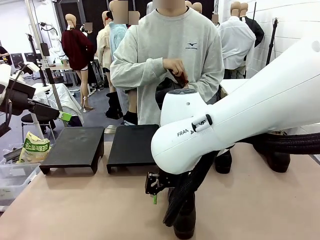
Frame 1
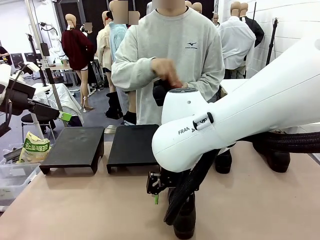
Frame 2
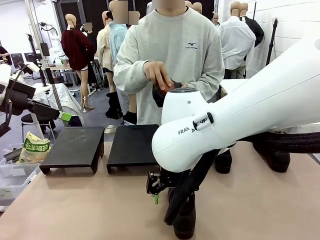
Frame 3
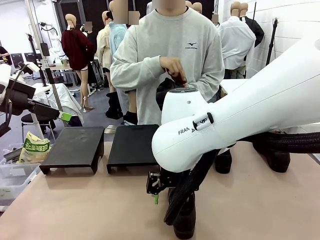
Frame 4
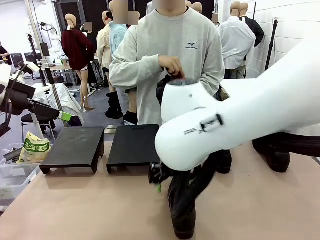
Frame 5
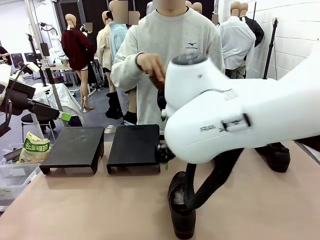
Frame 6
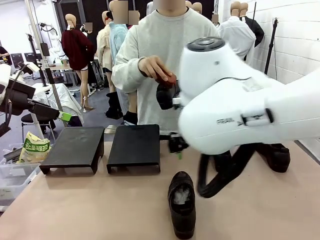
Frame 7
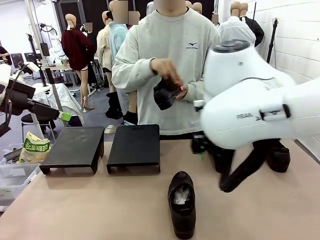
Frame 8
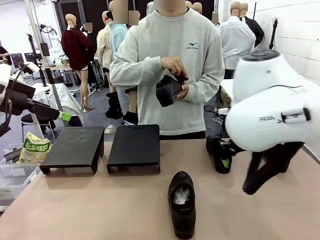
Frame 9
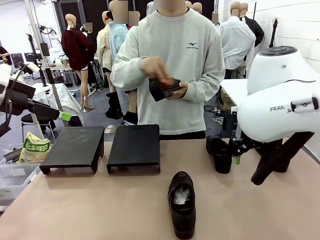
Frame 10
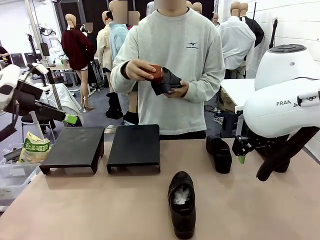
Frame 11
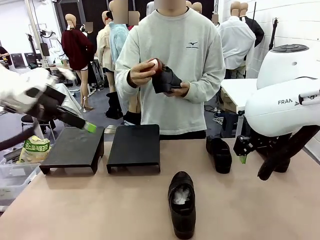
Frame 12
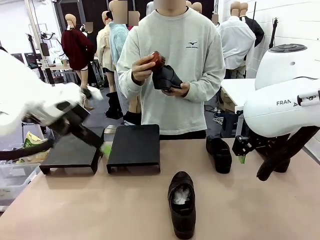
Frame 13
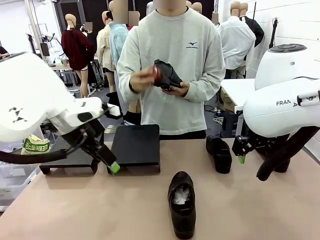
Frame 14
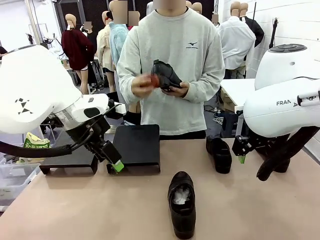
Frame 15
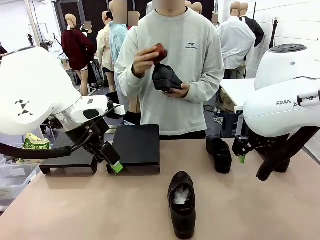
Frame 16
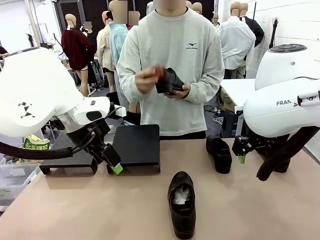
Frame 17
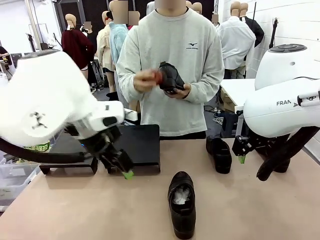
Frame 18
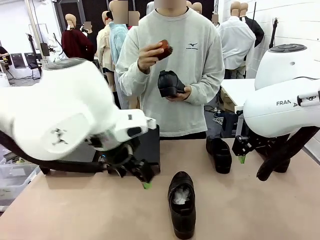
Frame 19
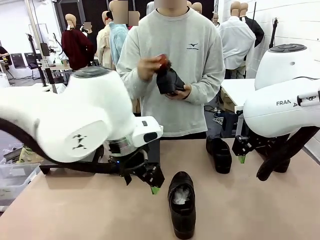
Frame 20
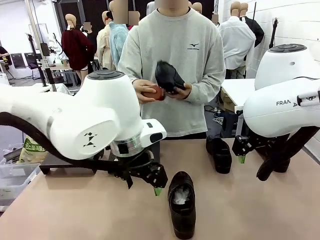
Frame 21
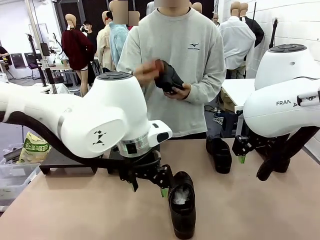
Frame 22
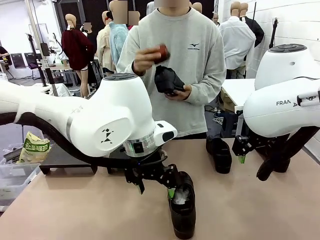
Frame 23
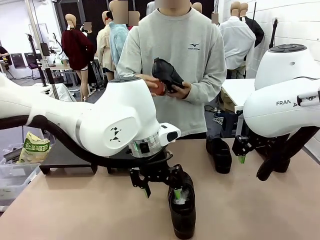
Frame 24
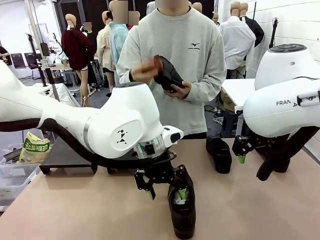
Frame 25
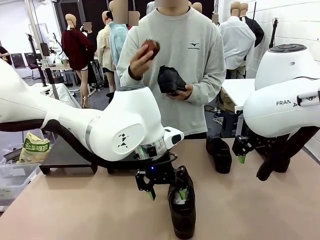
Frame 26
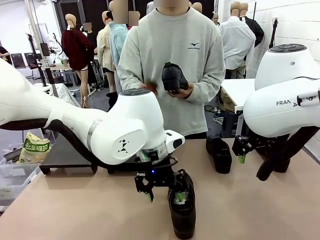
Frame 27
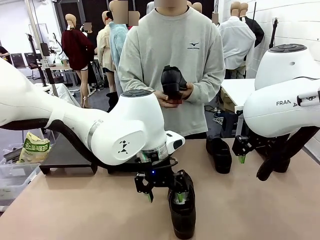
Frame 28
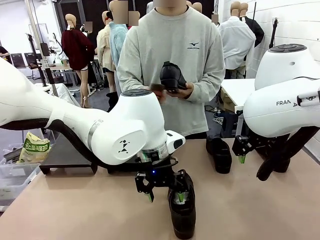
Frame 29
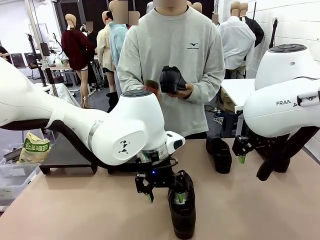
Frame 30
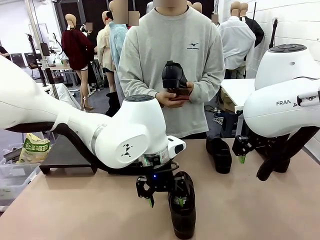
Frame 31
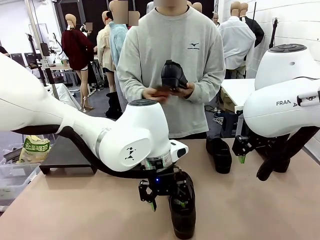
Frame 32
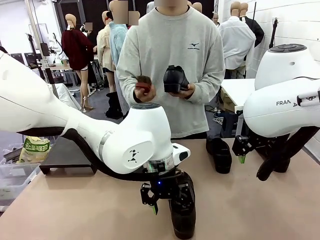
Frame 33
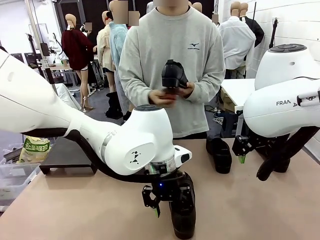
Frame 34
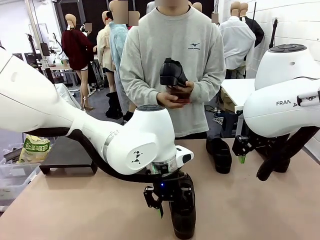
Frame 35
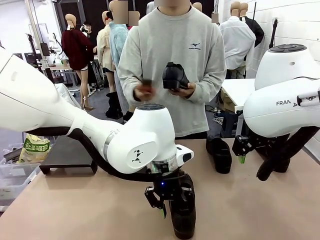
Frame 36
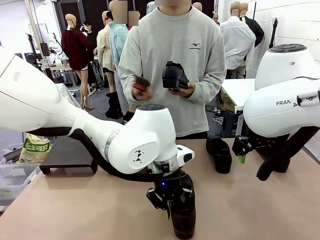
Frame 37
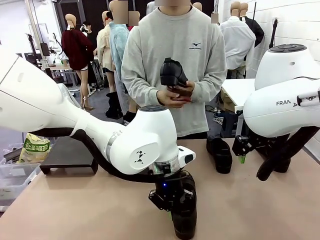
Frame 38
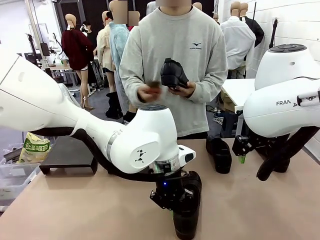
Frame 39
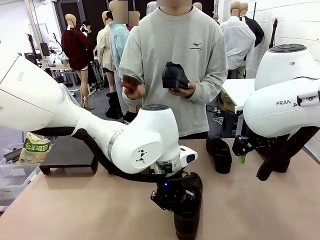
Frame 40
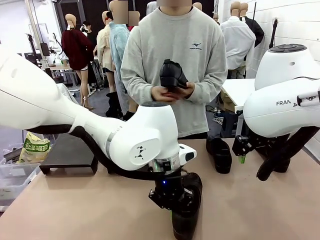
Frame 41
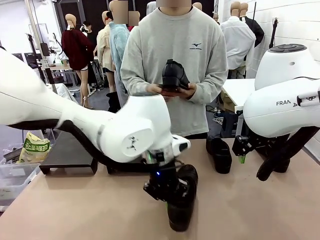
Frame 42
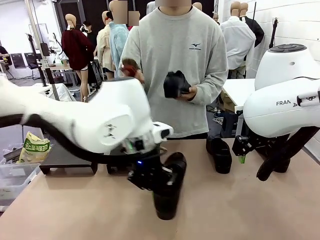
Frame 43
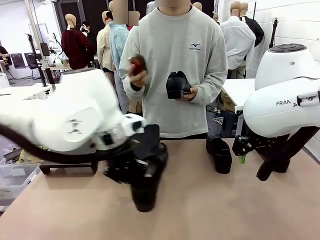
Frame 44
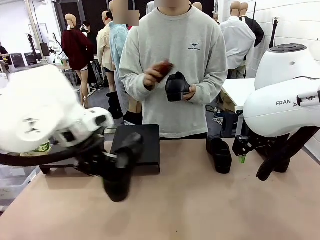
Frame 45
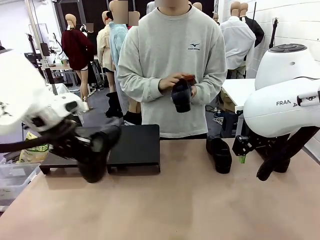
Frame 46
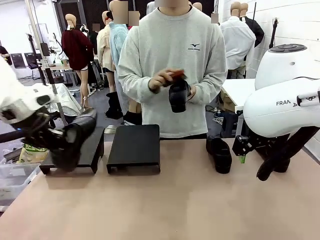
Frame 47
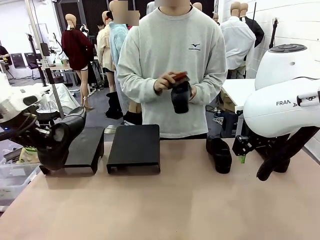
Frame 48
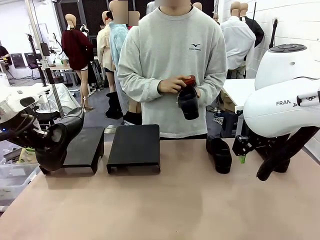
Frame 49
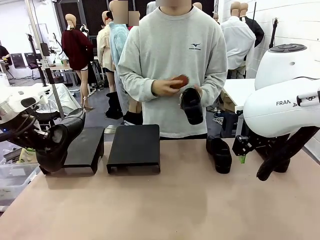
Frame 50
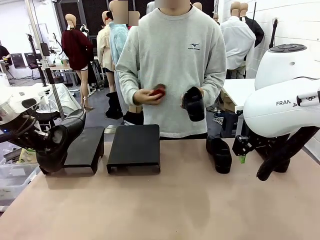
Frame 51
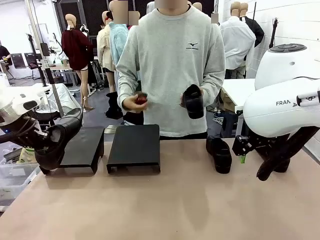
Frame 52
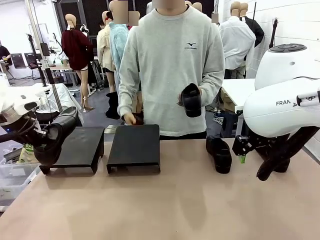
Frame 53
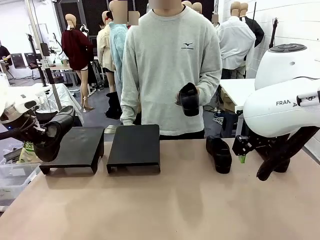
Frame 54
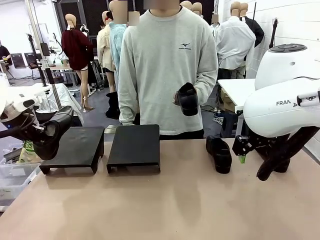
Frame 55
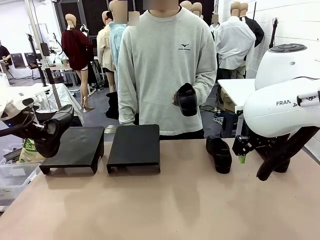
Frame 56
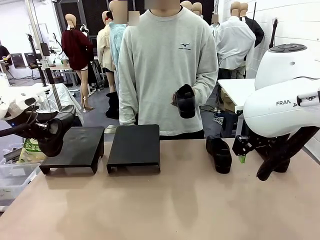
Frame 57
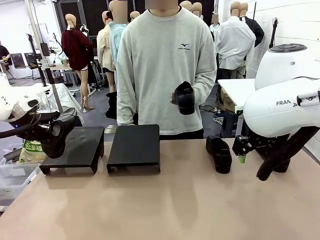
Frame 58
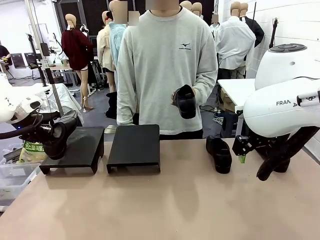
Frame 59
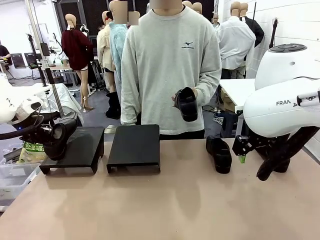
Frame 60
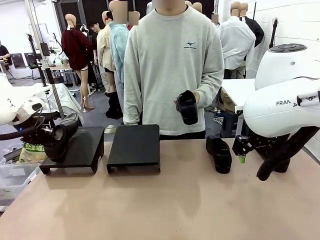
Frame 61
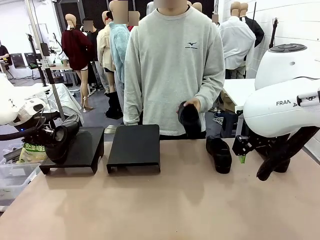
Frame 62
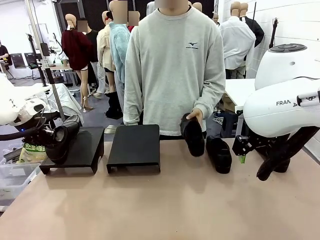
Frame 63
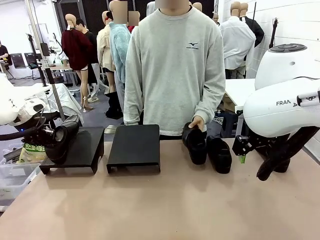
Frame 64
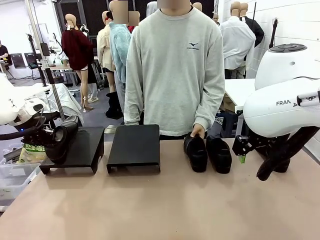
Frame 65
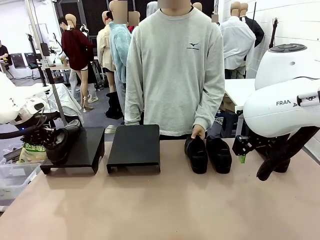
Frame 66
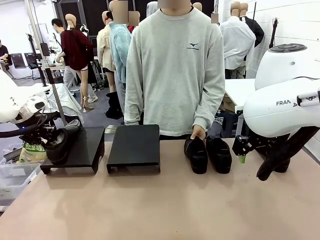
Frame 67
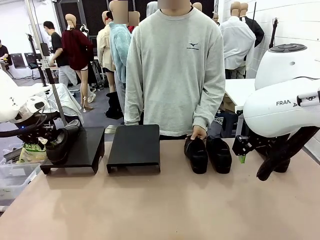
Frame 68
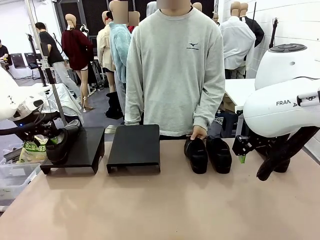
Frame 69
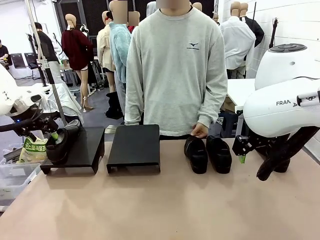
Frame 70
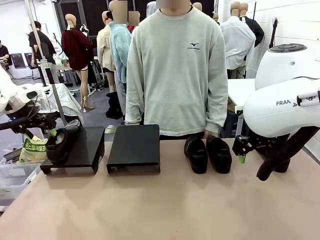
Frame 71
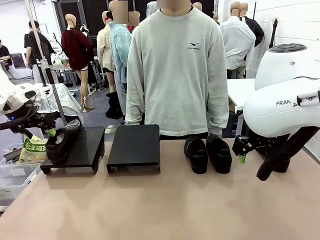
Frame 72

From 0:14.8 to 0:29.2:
Task: Organize the shoes by placing them on the stand.
Robot: Place the Shoe from the middle of the table onto the Shoes Stand.
Person: Clean the Shoe with the Shoe Brush. Place the Shoe on left side of the Robot's table.
